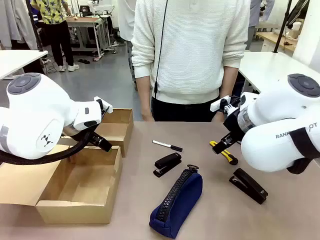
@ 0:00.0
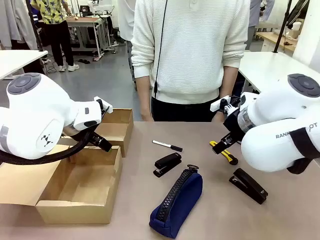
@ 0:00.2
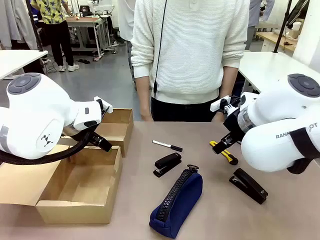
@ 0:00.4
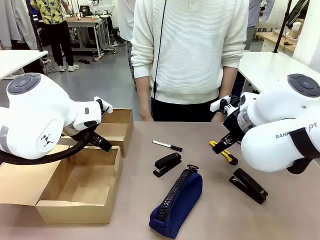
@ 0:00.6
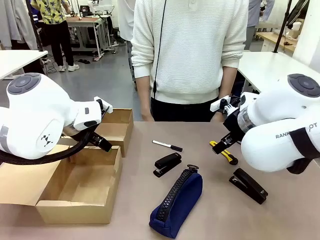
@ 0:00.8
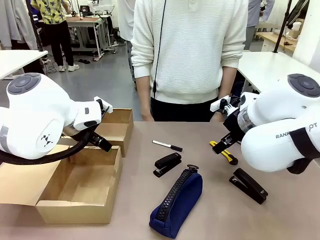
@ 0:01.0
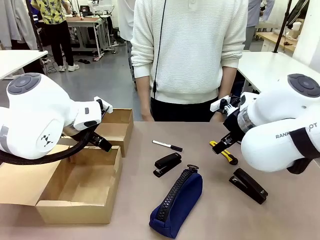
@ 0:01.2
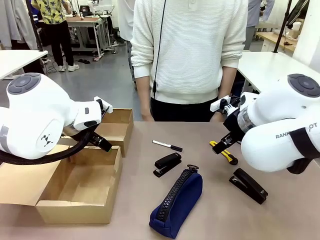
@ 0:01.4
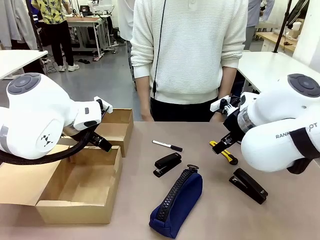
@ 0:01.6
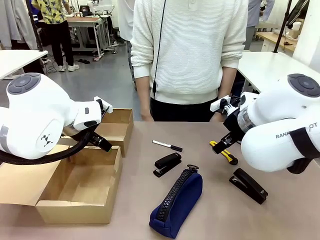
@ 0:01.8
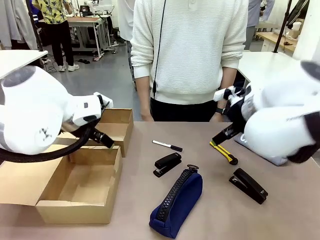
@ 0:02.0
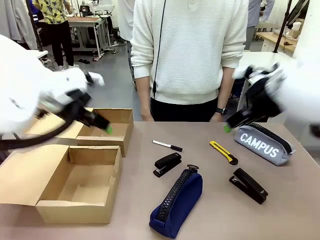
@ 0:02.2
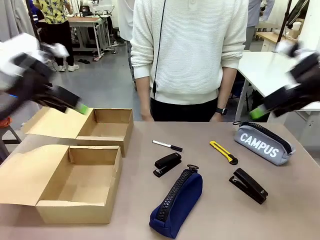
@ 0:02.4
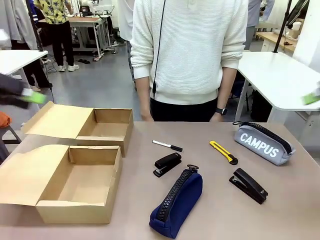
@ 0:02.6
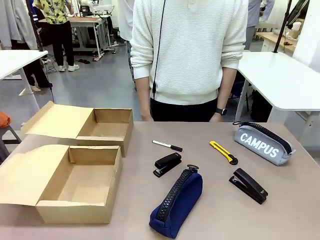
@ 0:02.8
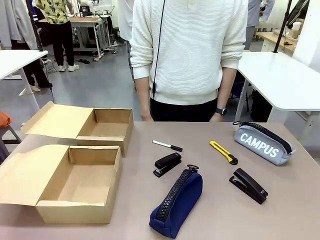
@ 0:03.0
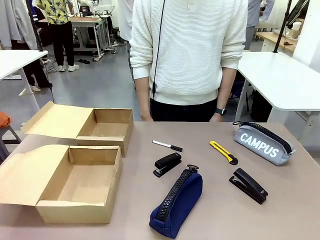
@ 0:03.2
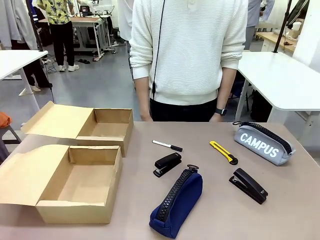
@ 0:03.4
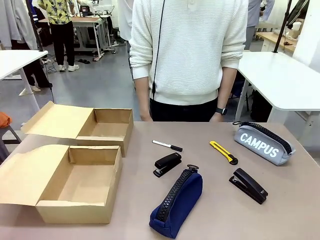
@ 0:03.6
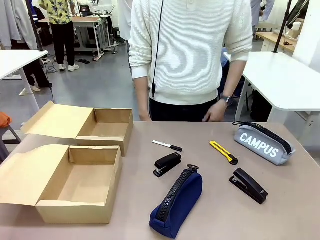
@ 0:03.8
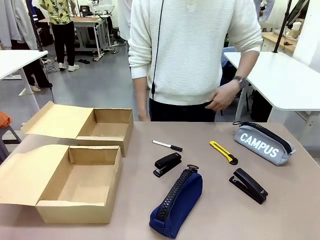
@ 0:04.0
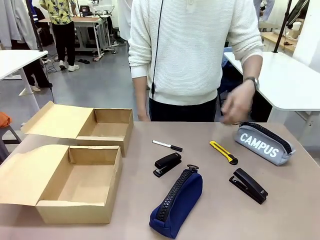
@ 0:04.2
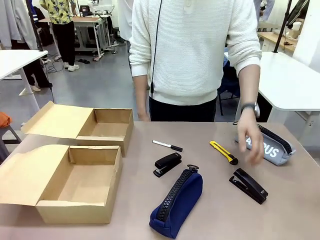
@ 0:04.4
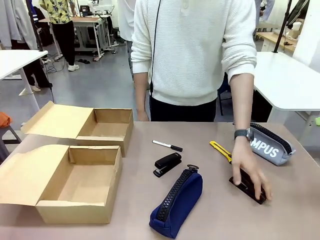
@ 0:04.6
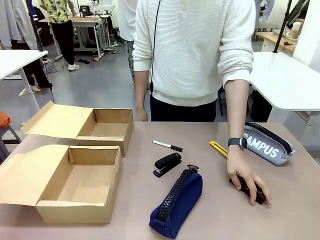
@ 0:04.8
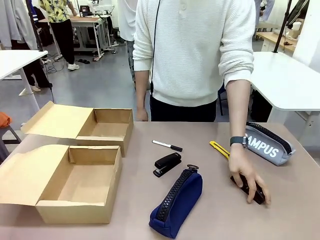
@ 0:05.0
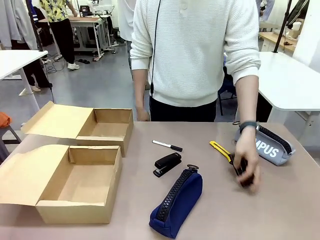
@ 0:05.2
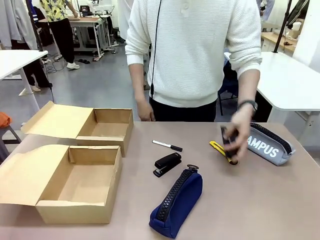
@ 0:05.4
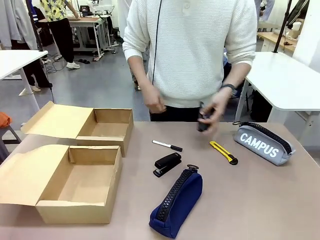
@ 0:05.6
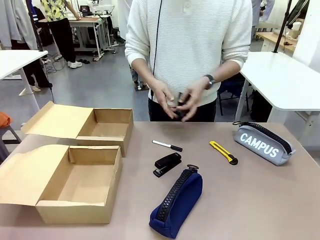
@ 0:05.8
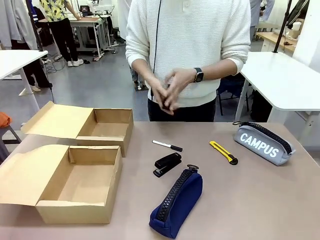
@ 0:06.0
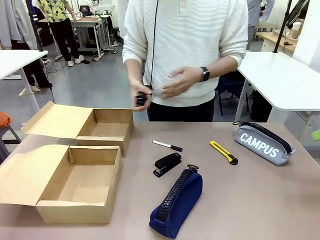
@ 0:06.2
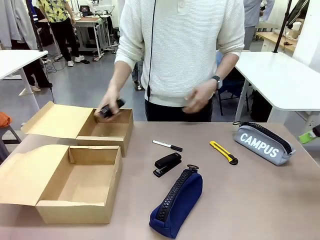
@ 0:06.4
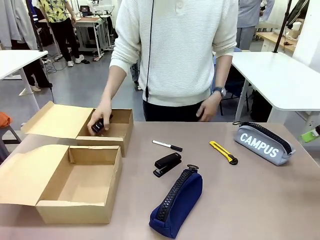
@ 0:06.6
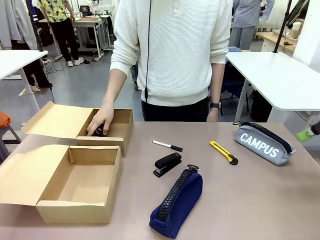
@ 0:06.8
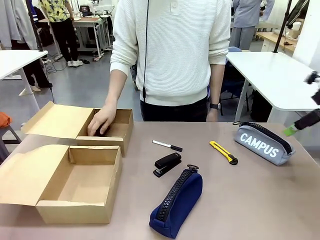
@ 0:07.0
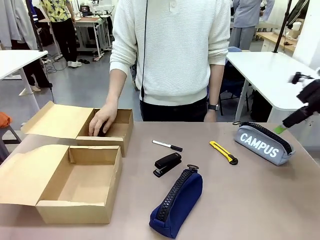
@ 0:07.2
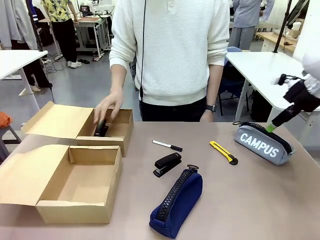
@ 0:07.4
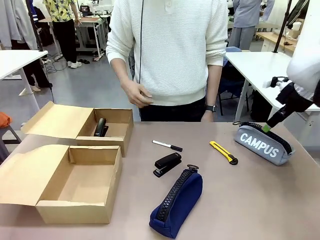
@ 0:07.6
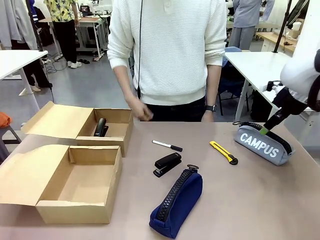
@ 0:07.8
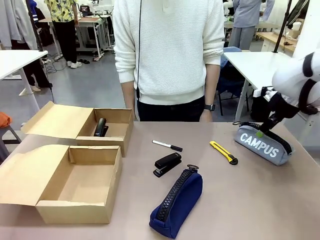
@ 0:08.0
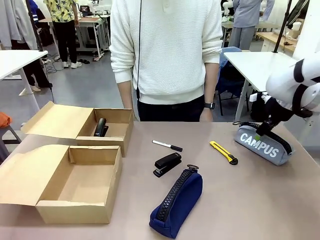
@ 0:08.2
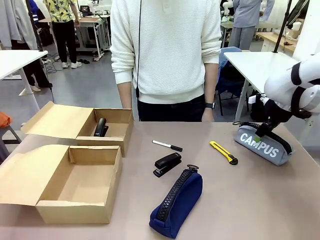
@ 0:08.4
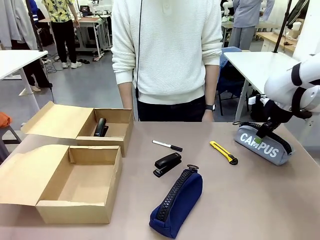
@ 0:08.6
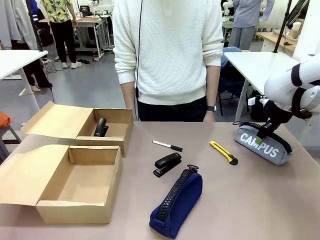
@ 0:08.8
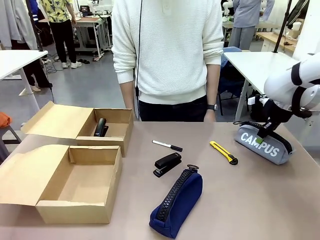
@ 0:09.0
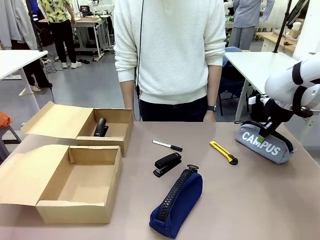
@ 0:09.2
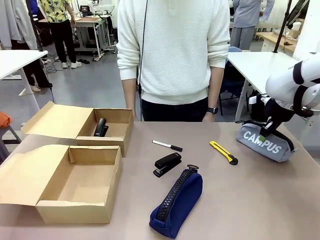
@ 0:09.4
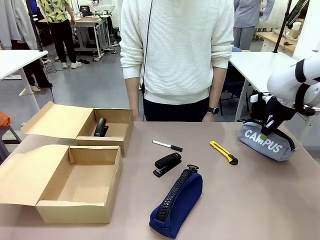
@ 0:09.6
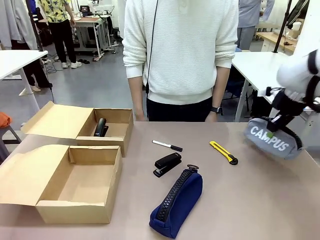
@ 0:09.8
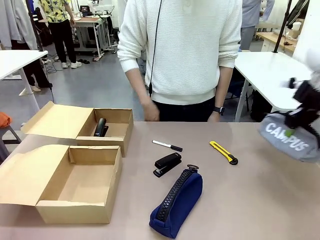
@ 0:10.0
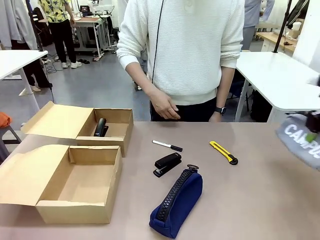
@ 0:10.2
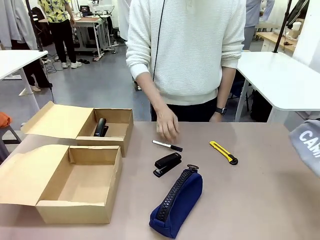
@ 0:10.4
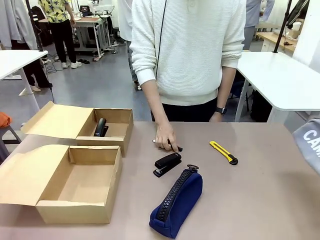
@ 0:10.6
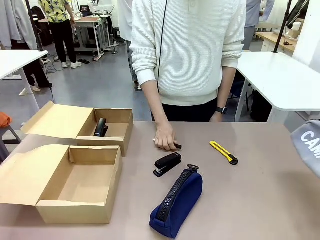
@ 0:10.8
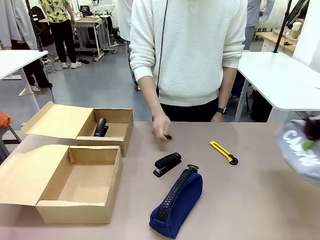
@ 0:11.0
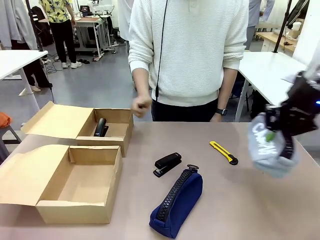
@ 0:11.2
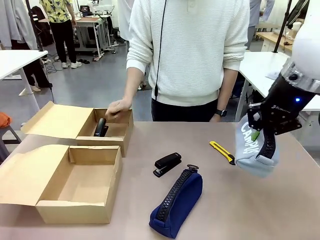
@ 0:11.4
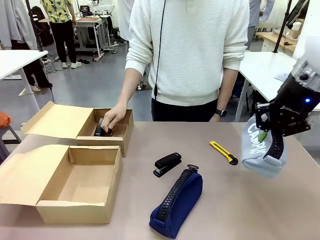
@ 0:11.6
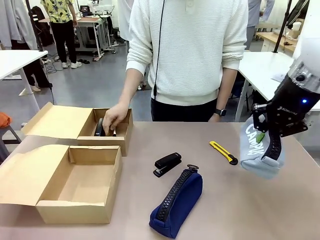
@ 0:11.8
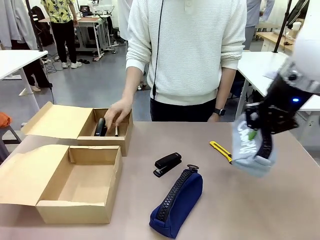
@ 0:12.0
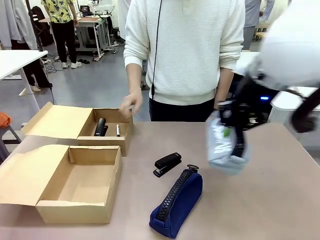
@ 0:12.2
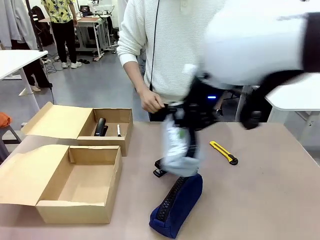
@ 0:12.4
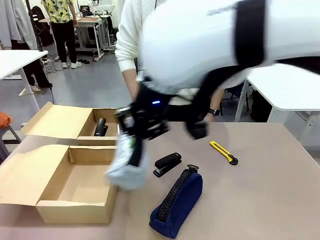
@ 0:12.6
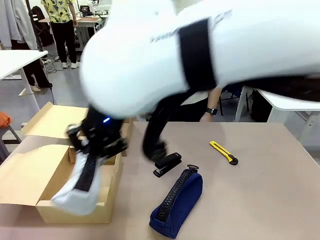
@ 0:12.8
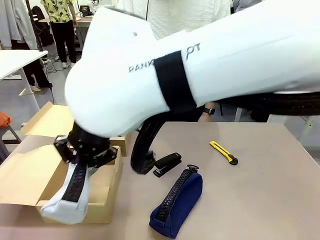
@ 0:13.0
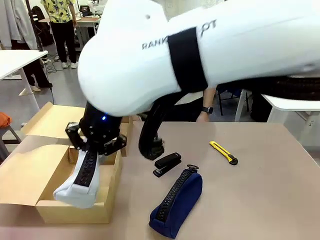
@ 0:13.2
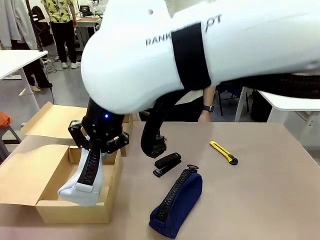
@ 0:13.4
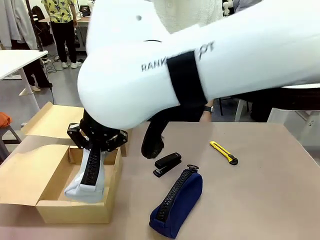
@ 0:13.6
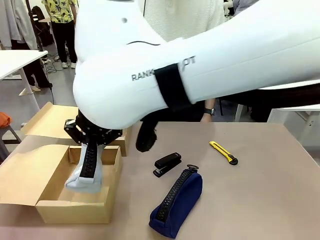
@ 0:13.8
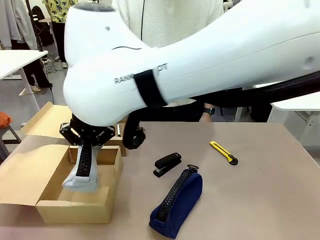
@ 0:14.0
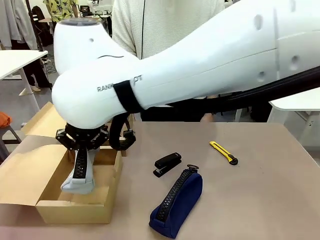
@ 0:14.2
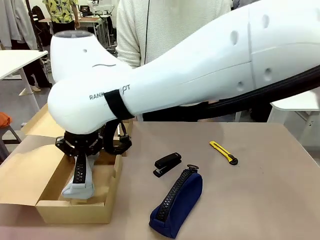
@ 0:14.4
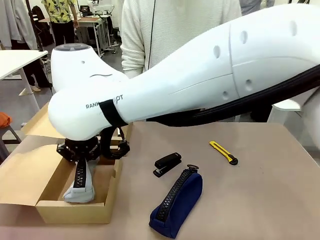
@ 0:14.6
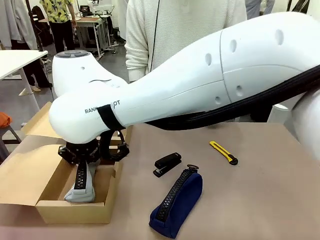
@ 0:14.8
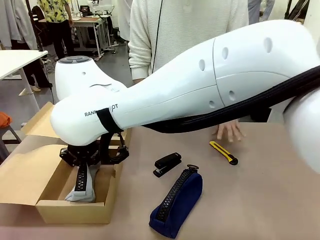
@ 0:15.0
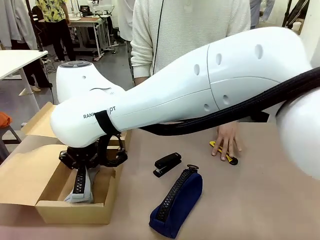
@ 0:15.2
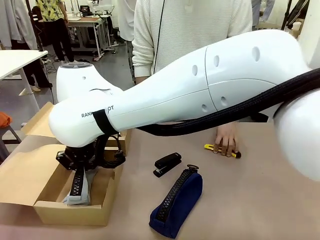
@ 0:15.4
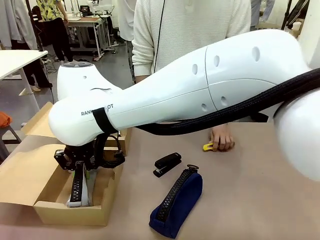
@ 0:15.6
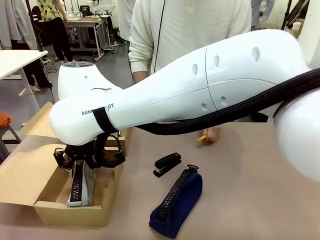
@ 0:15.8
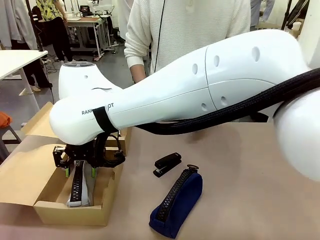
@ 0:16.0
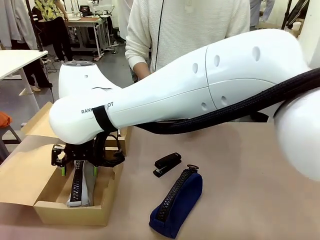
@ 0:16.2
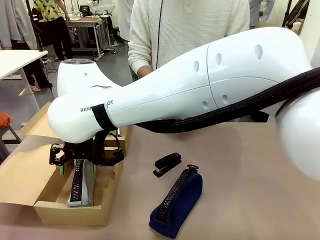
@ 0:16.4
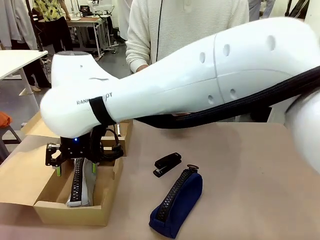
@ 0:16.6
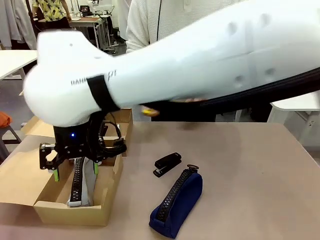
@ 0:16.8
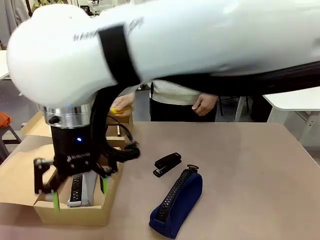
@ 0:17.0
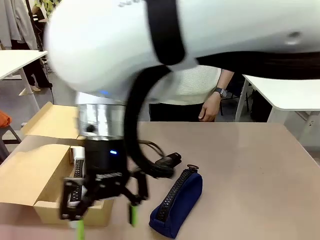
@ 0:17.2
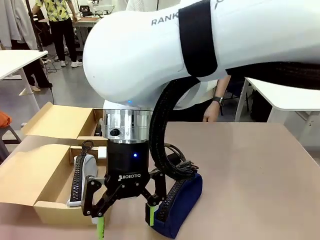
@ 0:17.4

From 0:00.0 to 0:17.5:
Task: Place items inside the box.
Robot: Pick up a Pencil pouch or Stapler and place it inside the Mailer Box closest to the robot.
Person: Pick up an object on the table and put it in the box.
